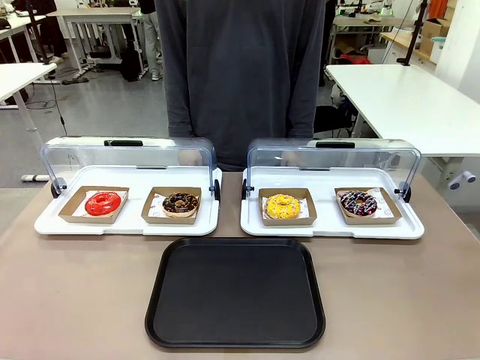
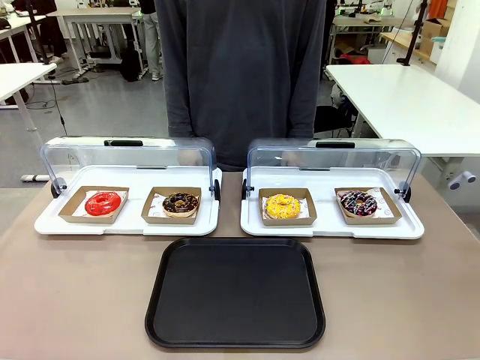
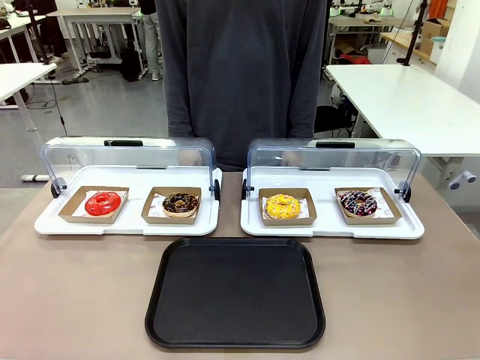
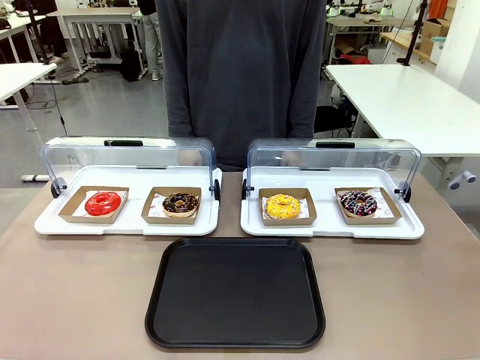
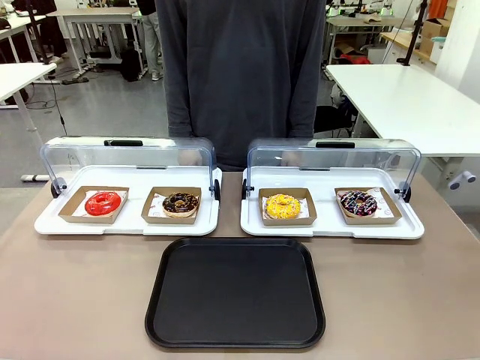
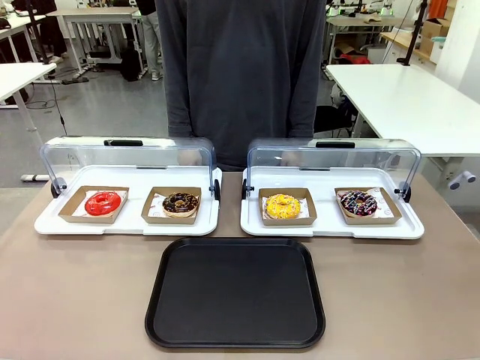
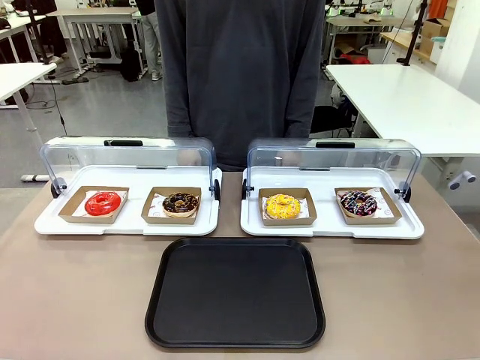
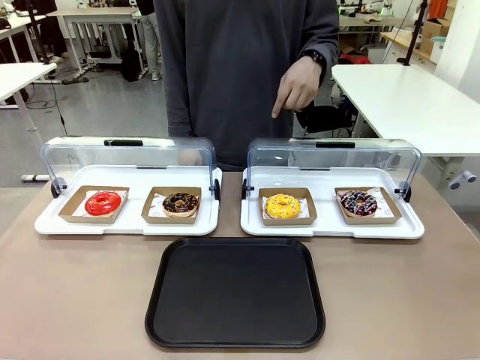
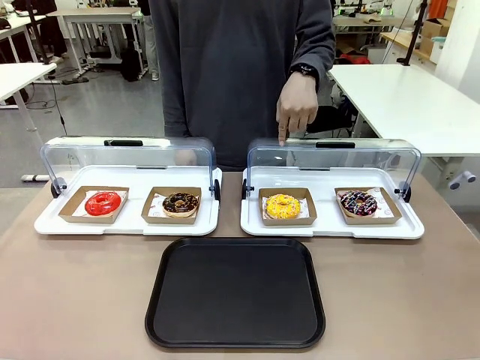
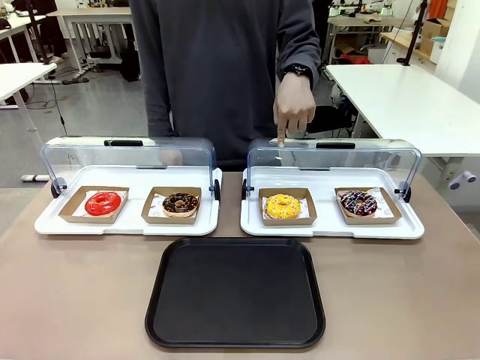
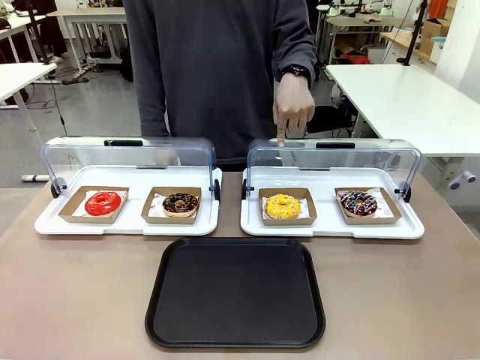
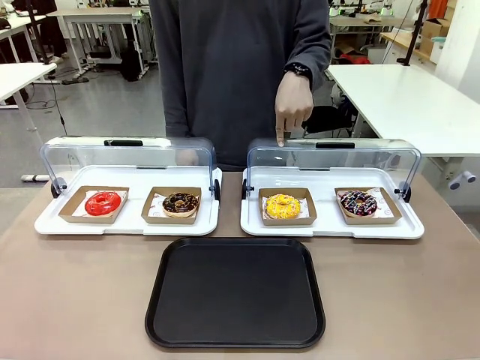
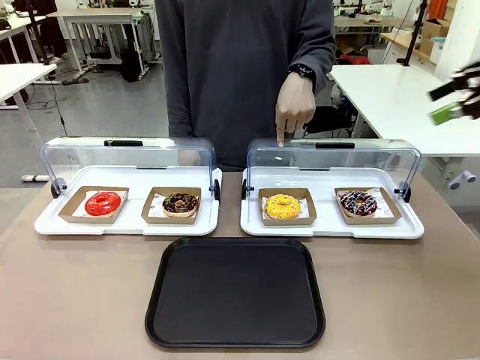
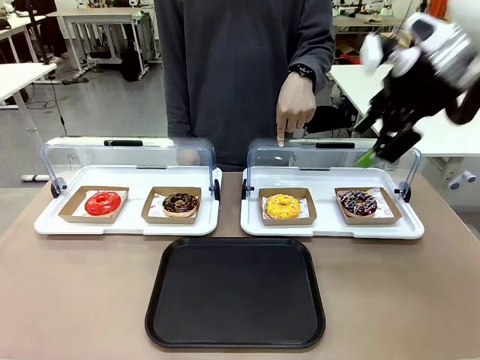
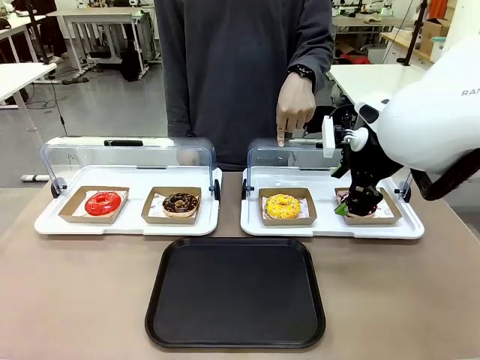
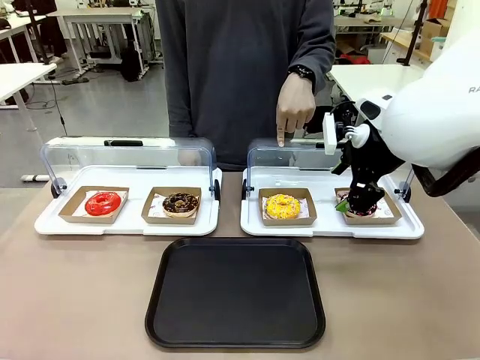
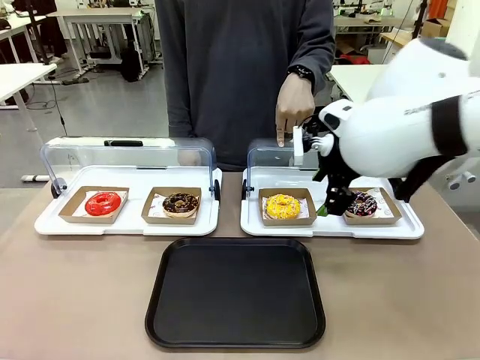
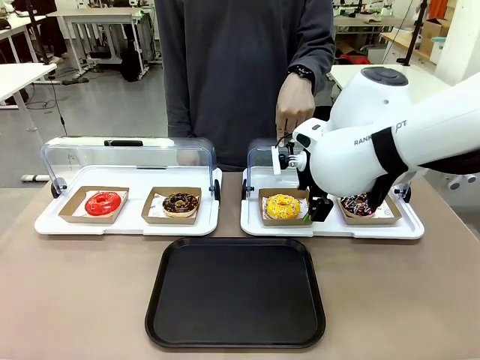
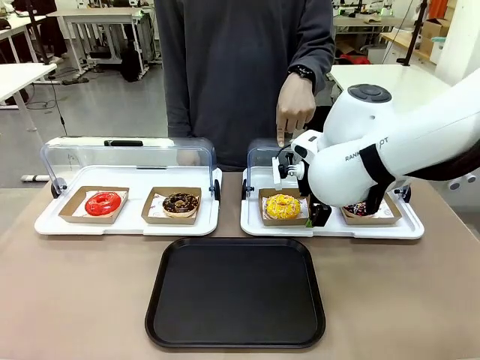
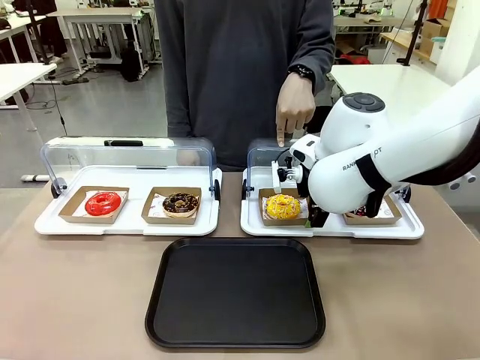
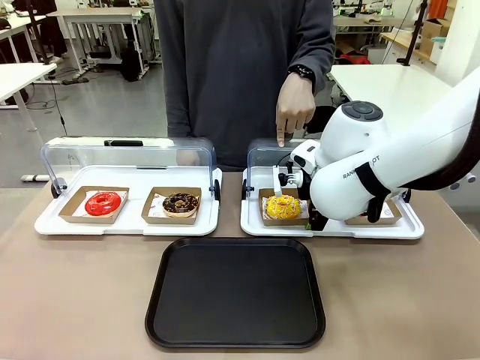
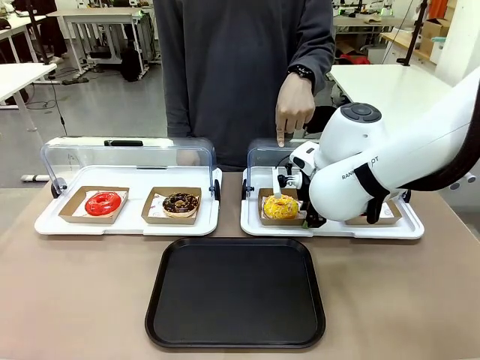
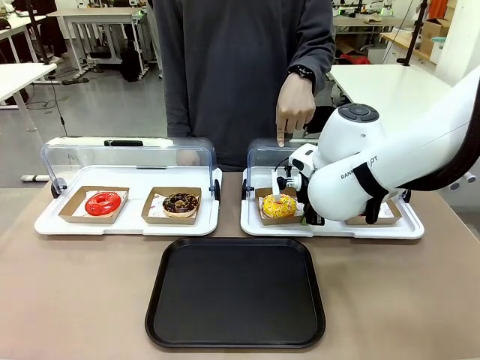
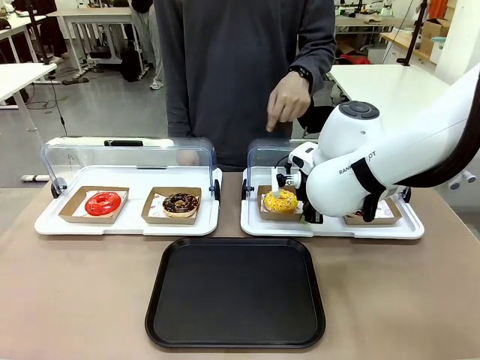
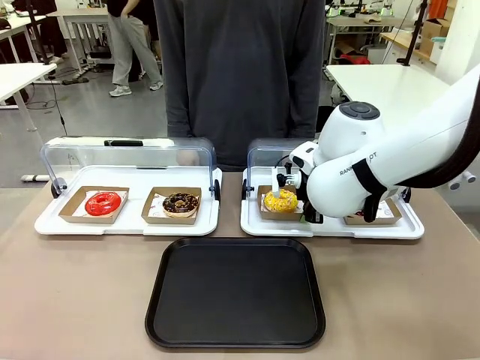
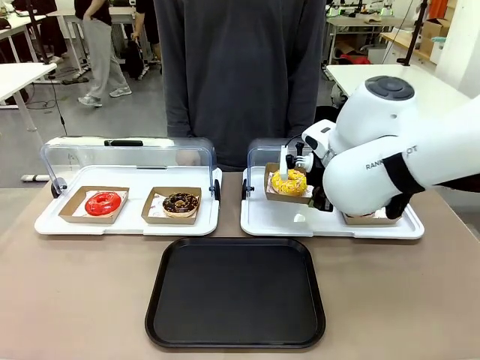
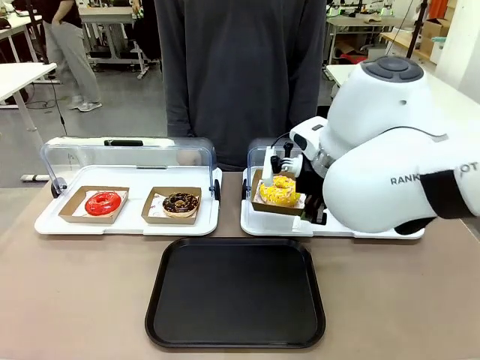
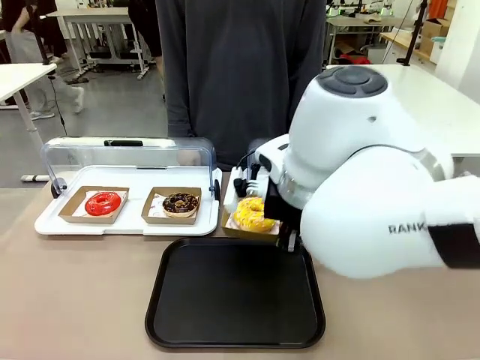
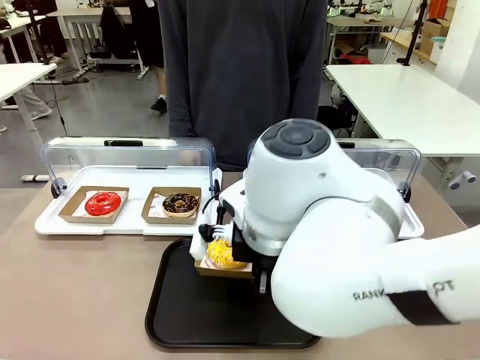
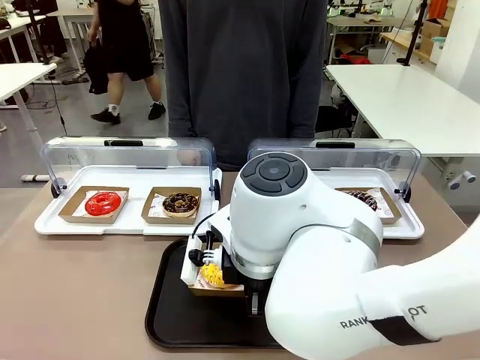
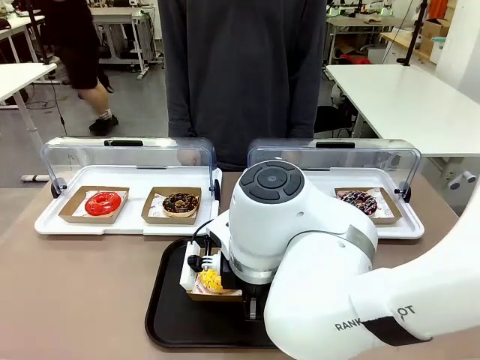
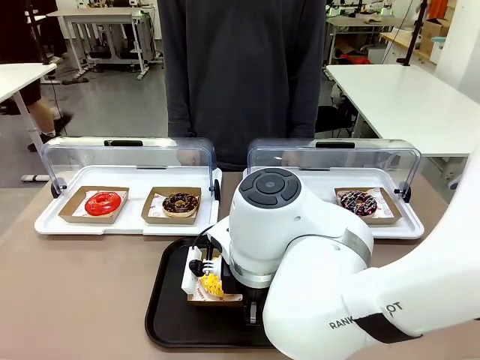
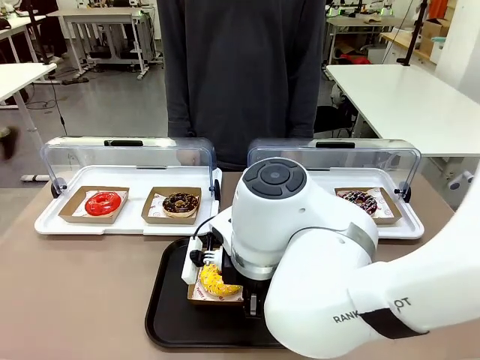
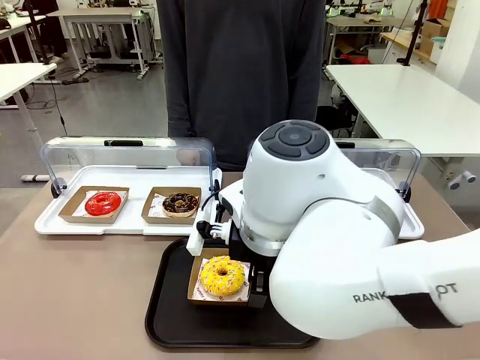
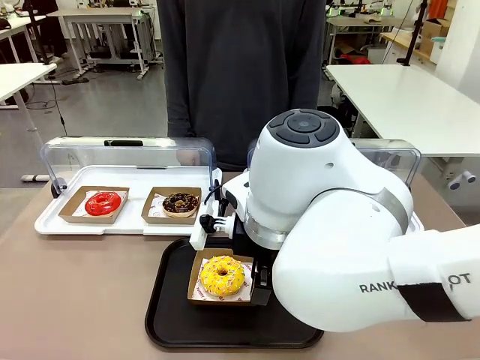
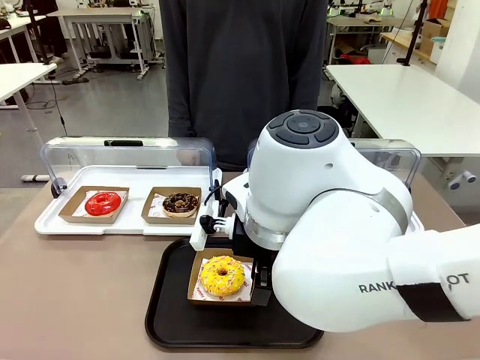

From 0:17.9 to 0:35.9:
Task: Move the third donut from the left to the tray.
Robot: Pick up the Paper togo box containing the Donut indicated by the person and place it on the Handle tray.
Person: Points to the third donut from the left from the robot’s perspective.

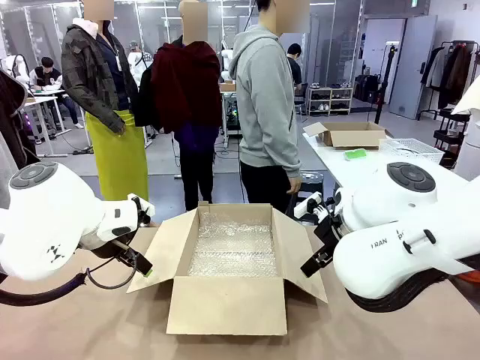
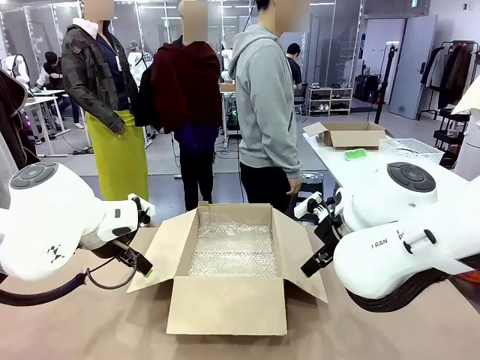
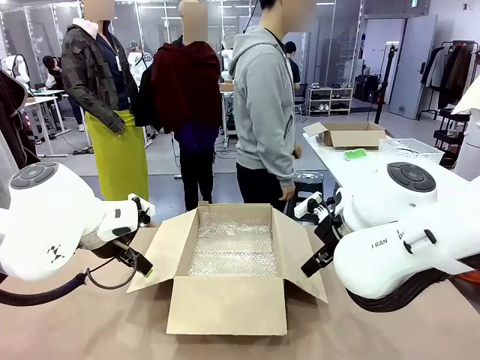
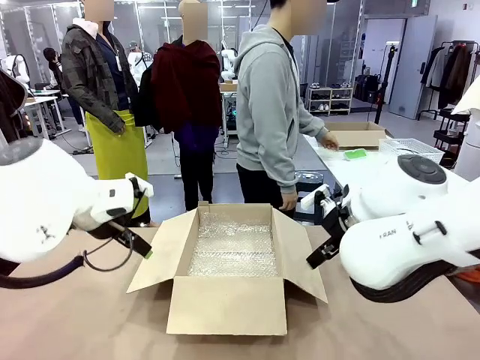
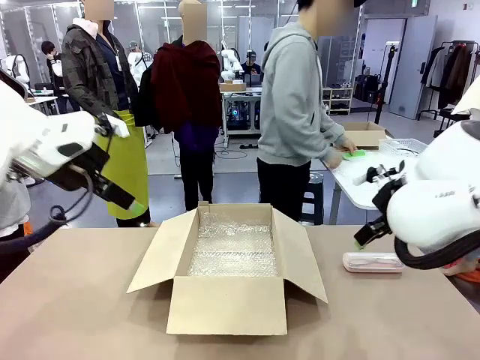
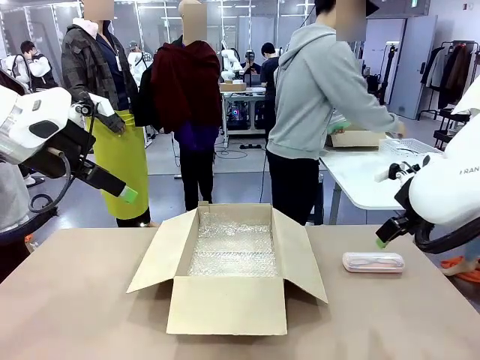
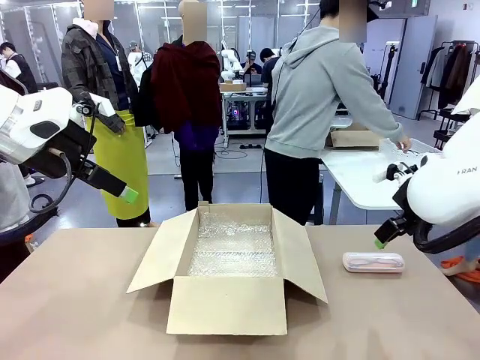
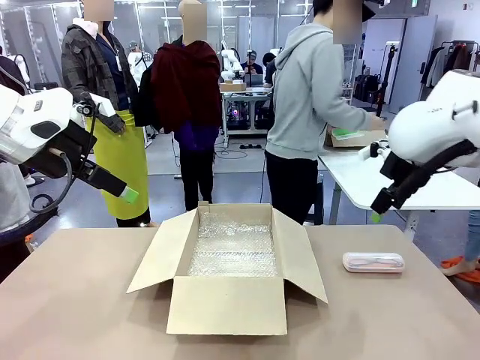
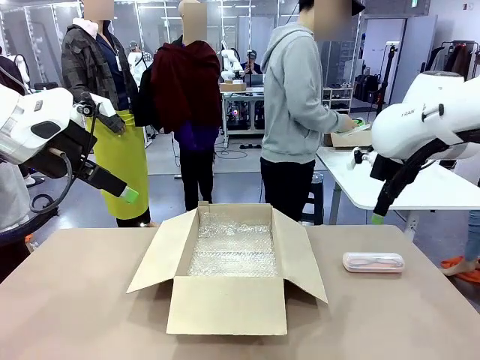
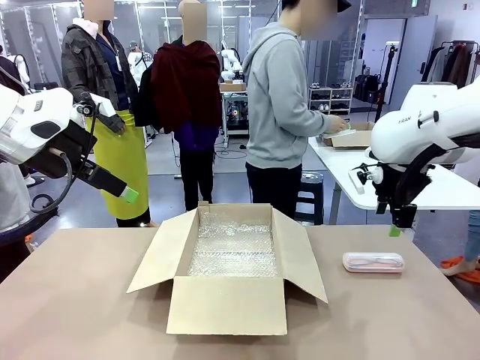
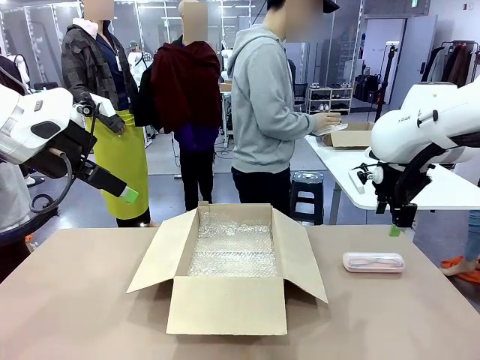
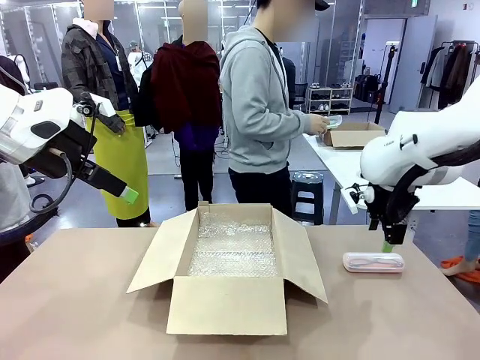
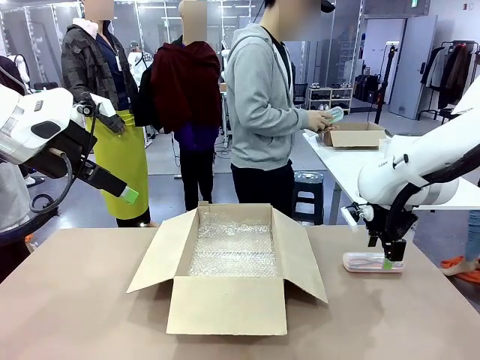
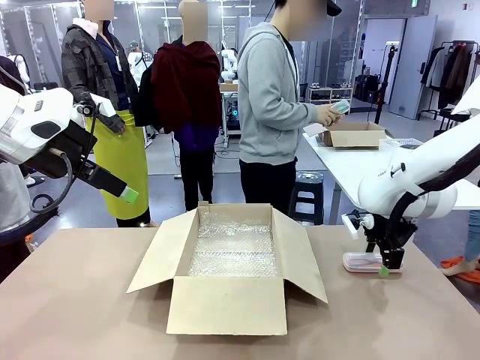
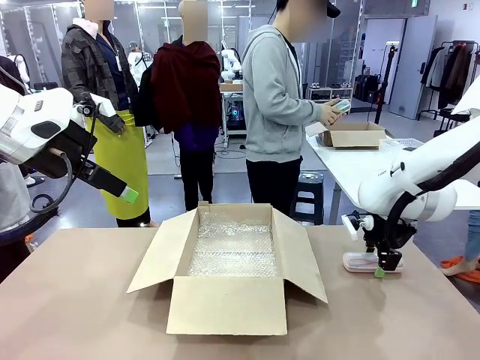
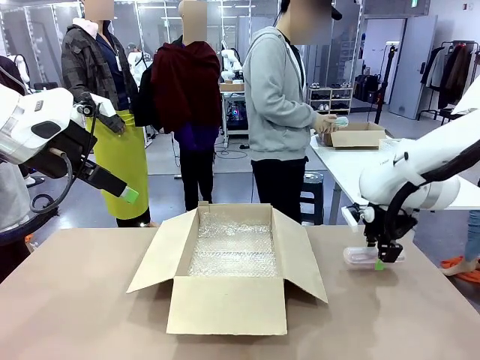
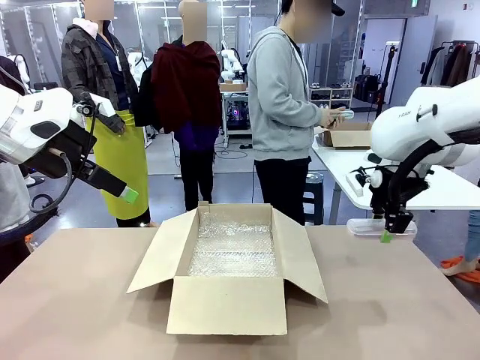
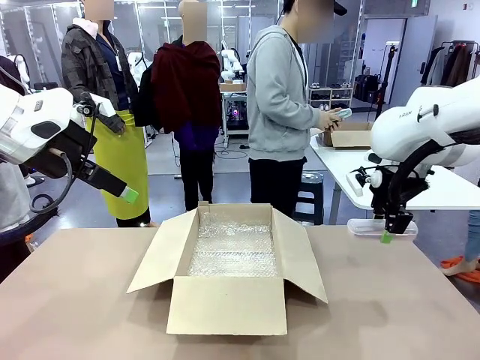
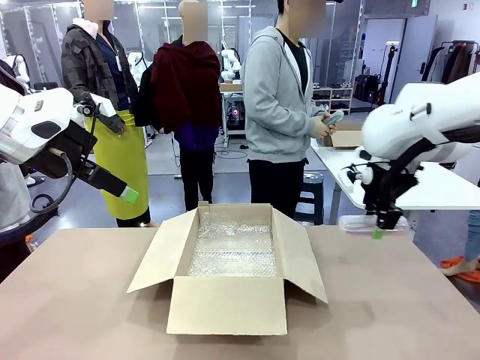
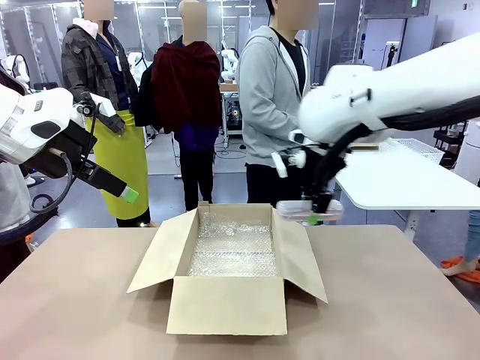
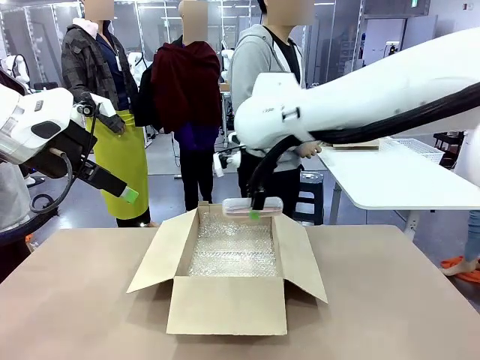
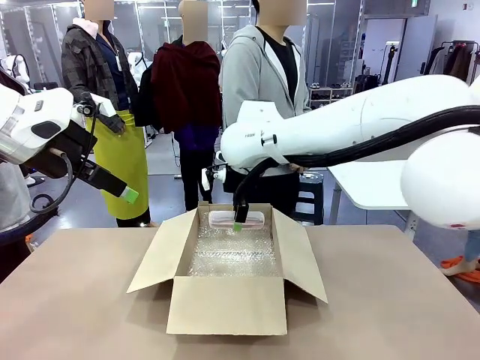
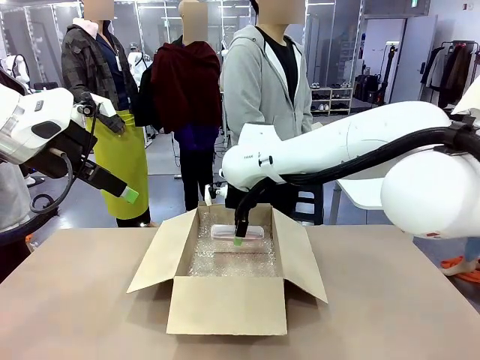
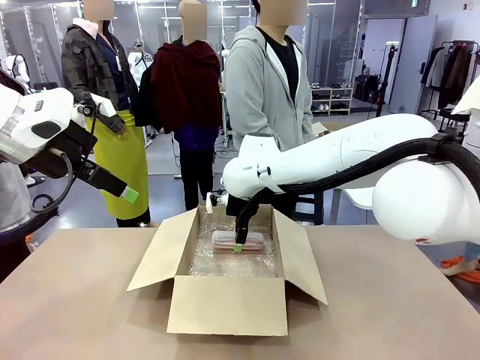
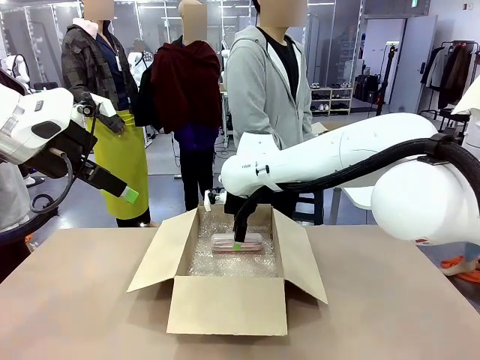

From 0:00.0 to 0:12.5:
Task: Pack the glasses set securely to prepare it for shipping.
Robot: Place the Glasses case inside the Package Box.
Person: Place the Glasses inside the Glasses case.
